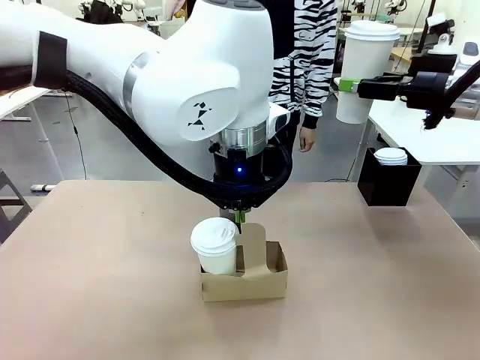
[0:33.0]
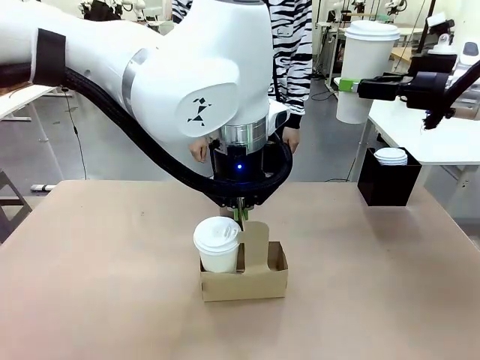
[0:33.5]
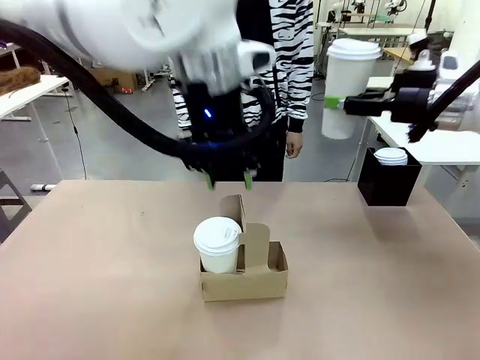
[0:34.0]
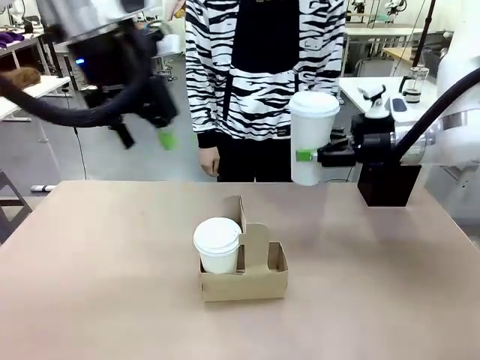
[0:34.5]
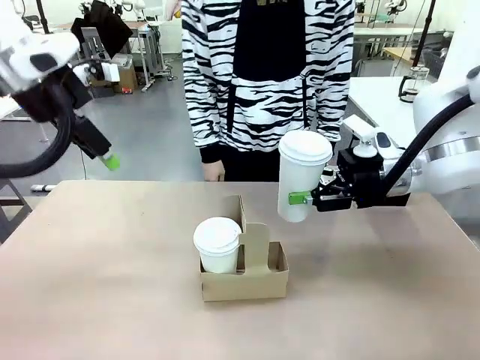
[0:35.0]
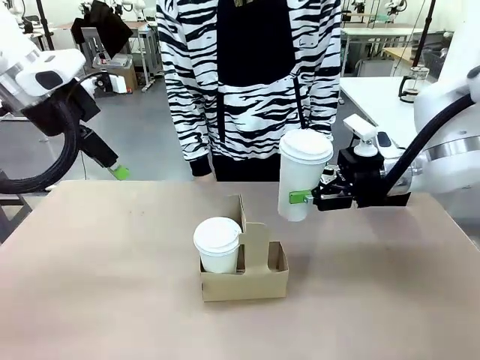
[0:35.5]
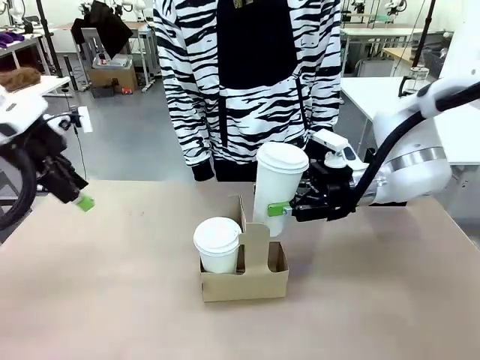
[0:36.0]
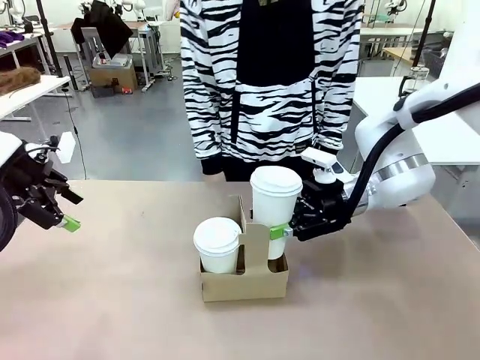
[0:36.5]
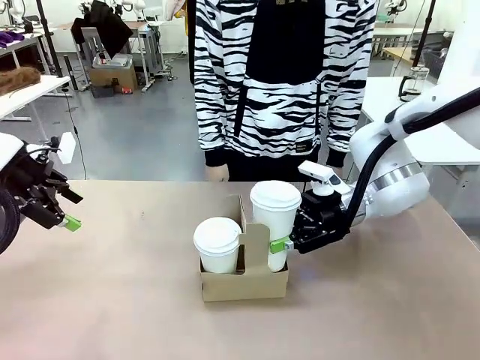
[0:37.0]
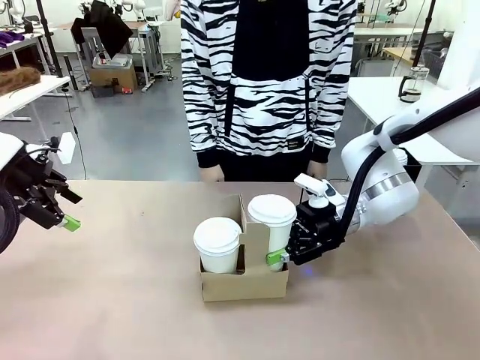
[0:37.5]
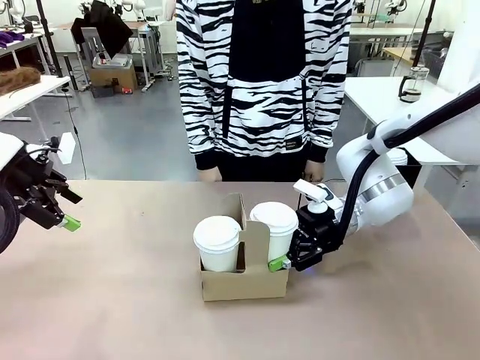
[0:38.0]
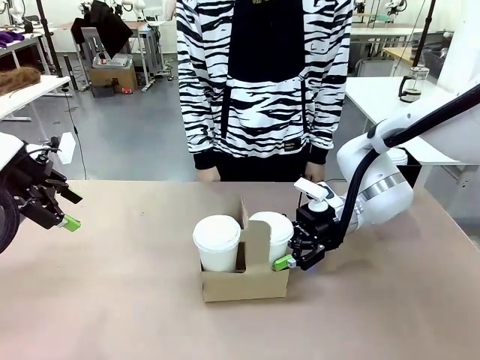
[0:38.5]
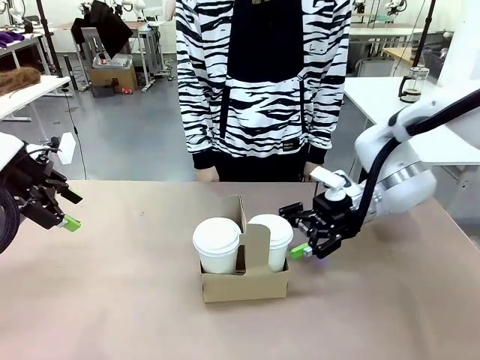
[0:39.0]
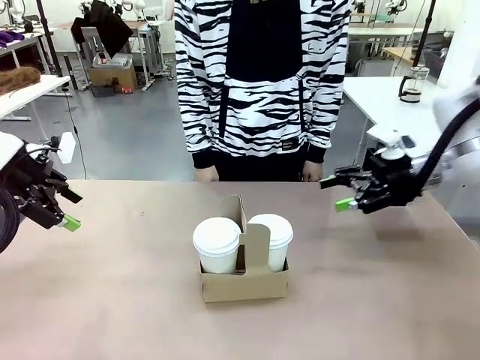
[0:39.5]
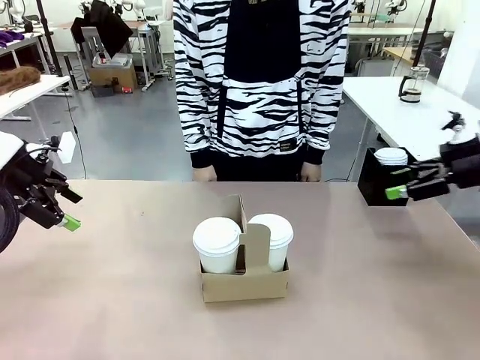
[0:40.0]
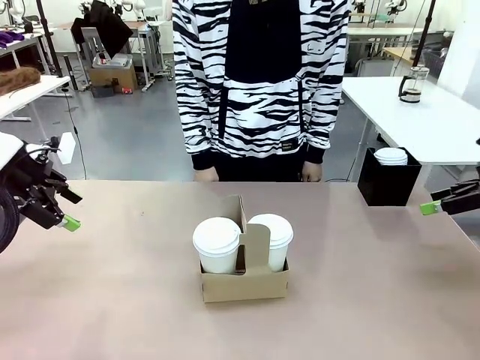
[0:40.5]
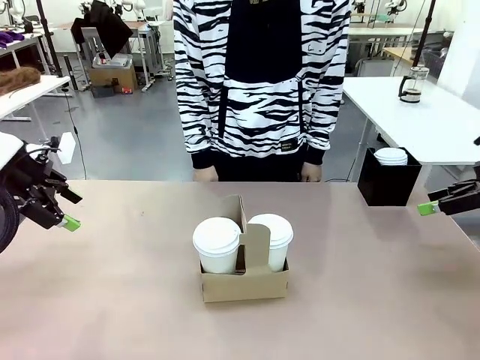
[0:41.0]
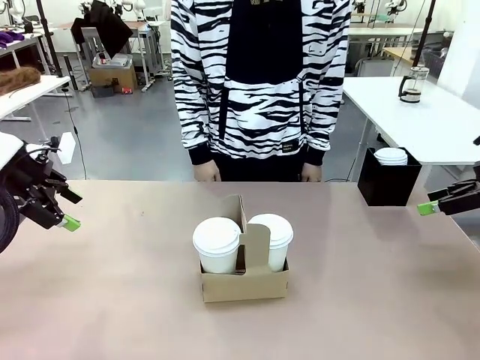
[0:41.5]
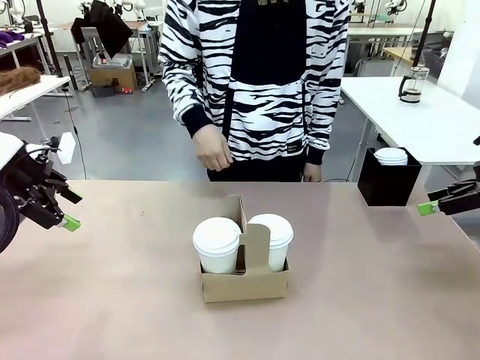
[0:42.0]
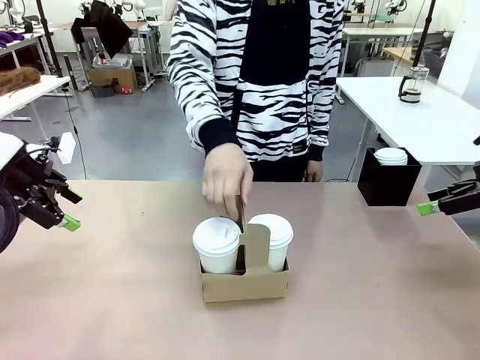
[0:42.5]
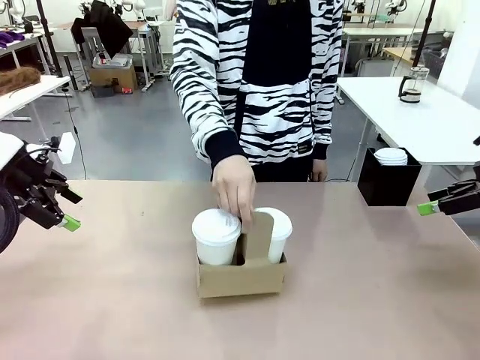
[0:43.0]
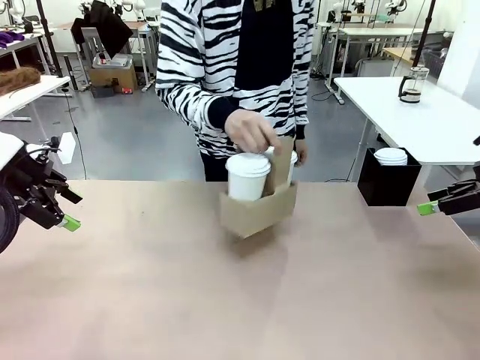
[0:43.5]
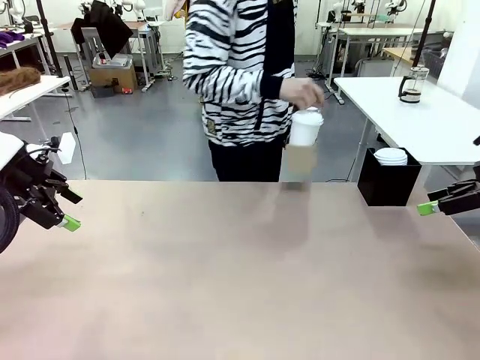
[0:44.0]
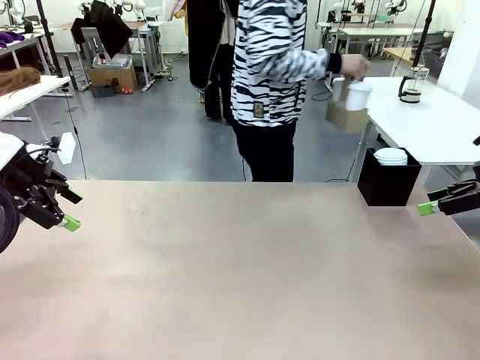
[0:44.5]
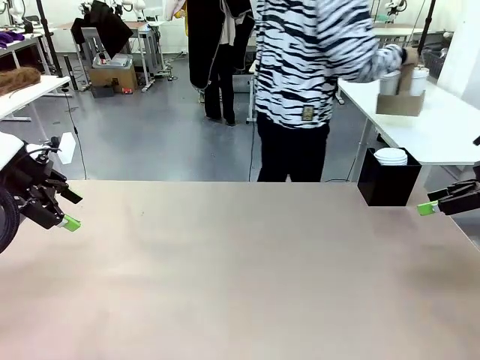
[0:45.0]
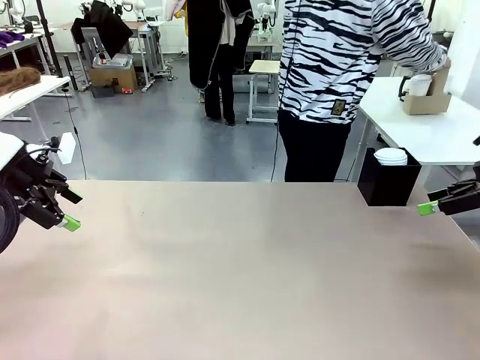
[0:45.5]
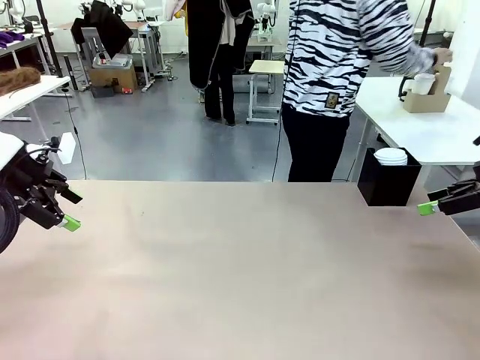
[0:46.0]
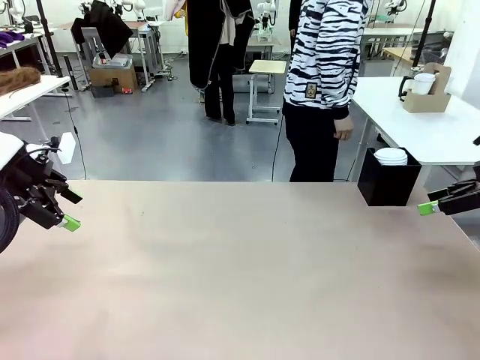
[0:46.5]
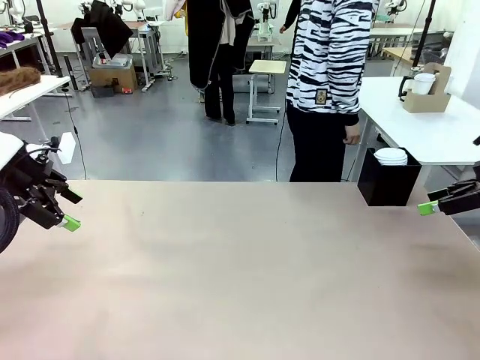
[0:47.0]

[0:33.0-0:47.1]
Task: Pour a drink into a cup and package it in a carrier.
Robot: Insert the held 600 ml Paper Cup into the Cup Carrier.
Person: Place the Cup Carrier to the middle of Human table.

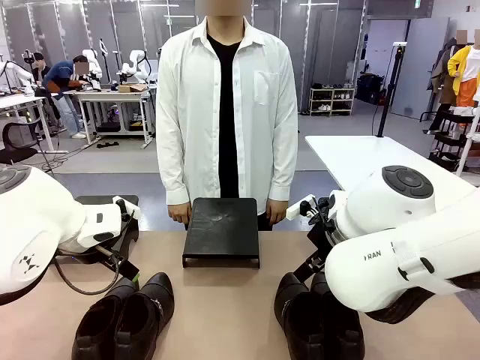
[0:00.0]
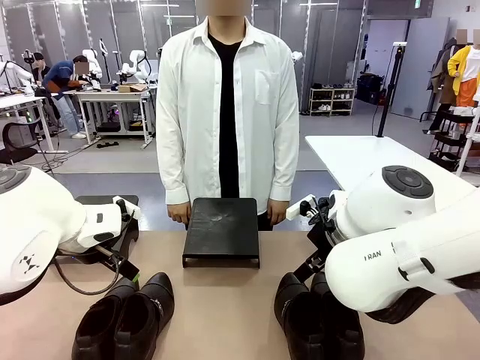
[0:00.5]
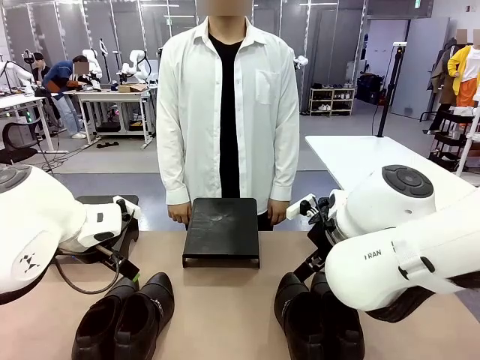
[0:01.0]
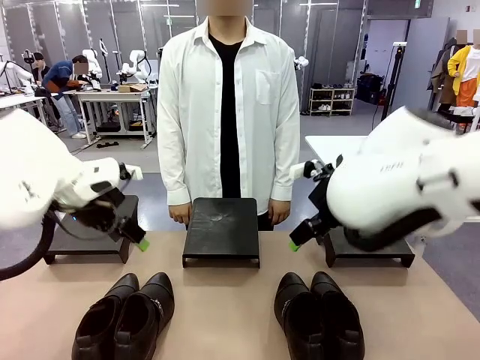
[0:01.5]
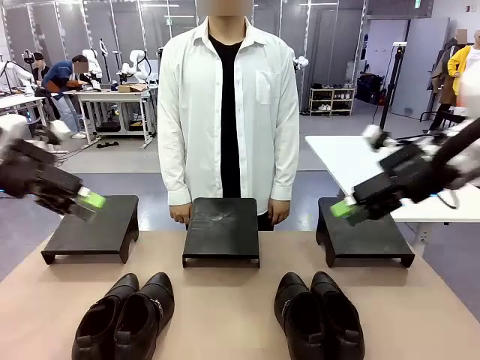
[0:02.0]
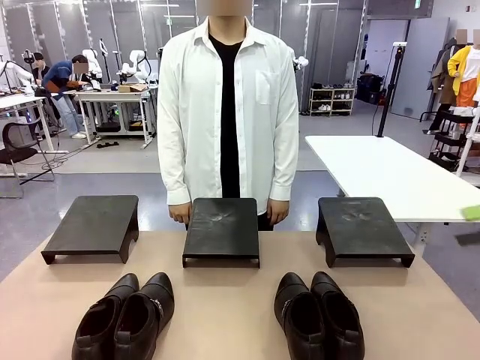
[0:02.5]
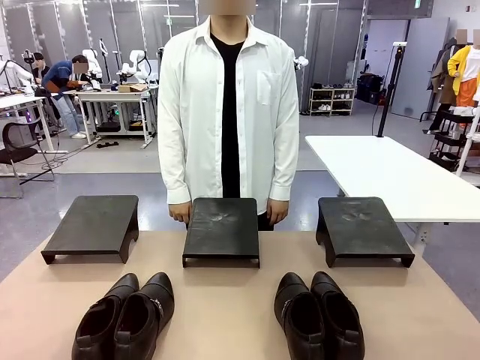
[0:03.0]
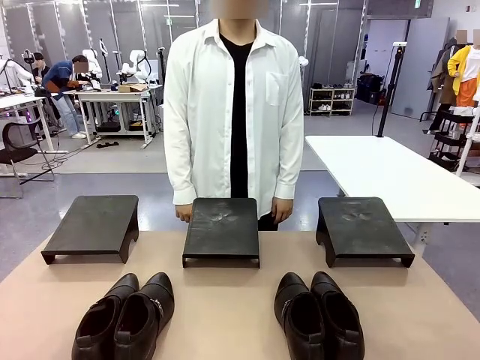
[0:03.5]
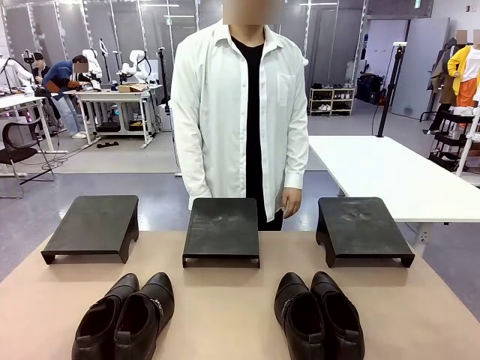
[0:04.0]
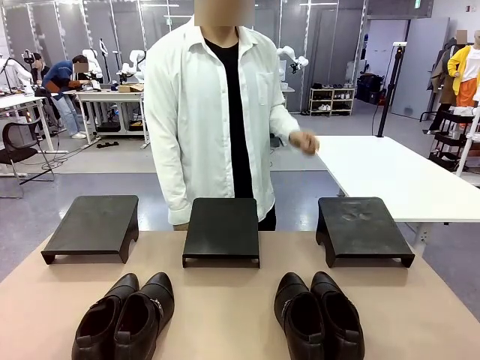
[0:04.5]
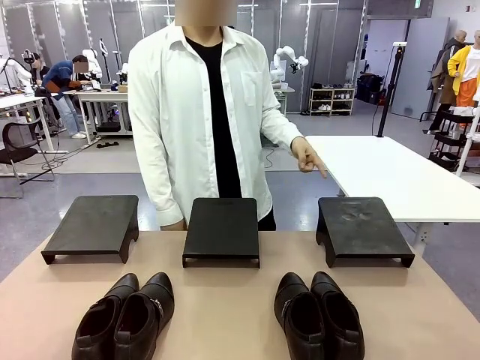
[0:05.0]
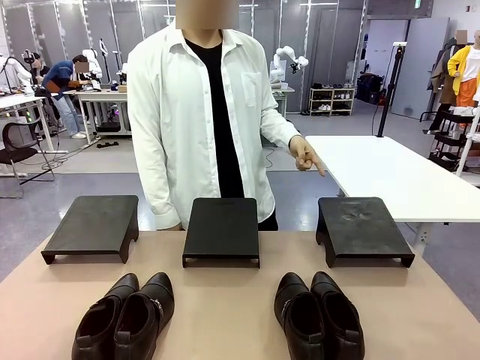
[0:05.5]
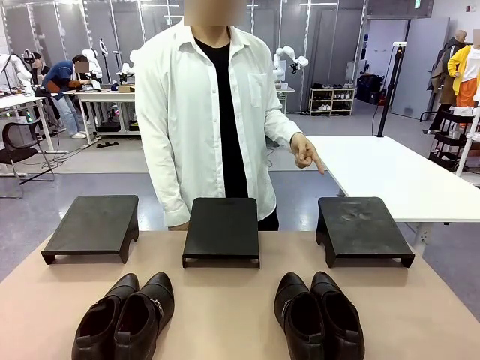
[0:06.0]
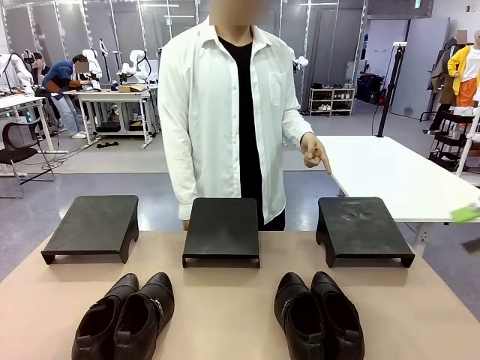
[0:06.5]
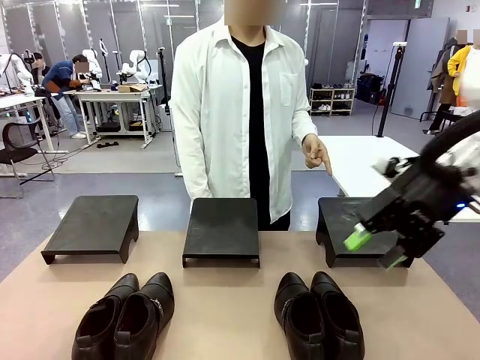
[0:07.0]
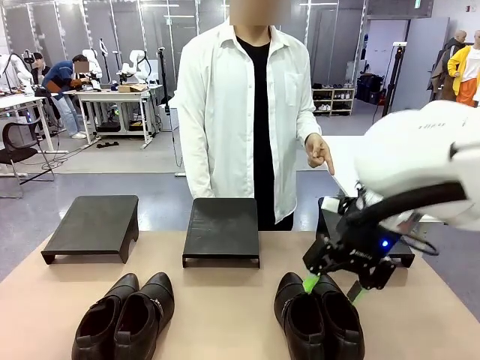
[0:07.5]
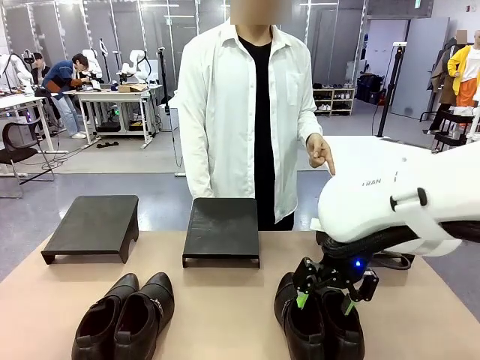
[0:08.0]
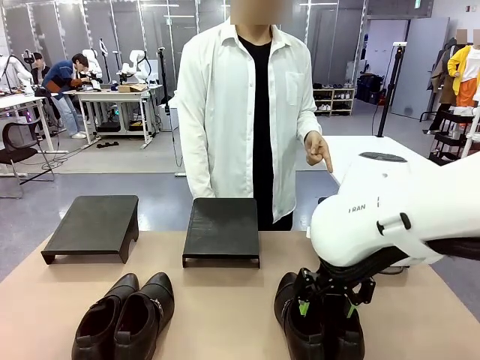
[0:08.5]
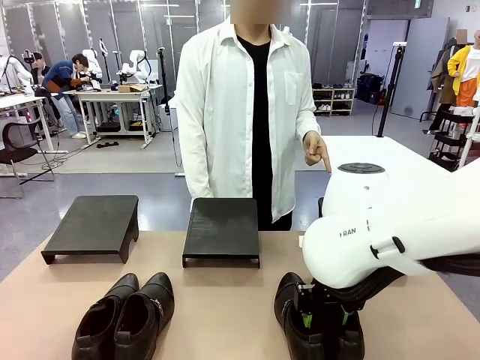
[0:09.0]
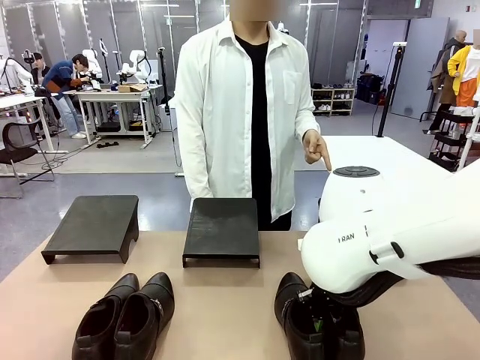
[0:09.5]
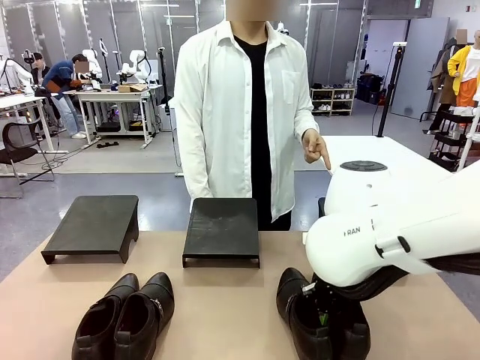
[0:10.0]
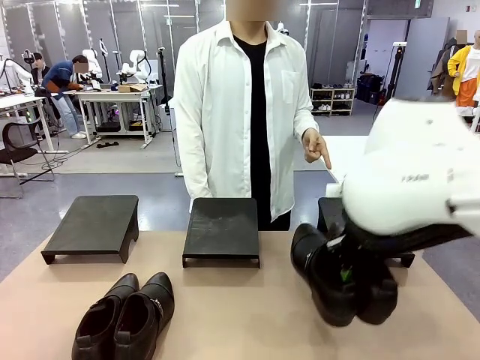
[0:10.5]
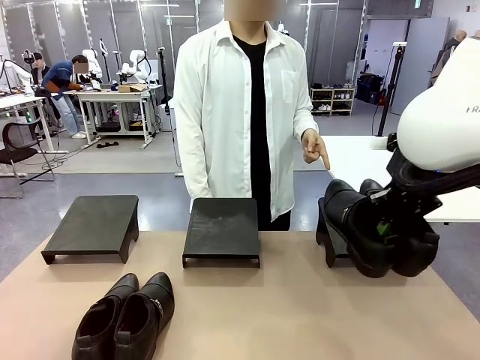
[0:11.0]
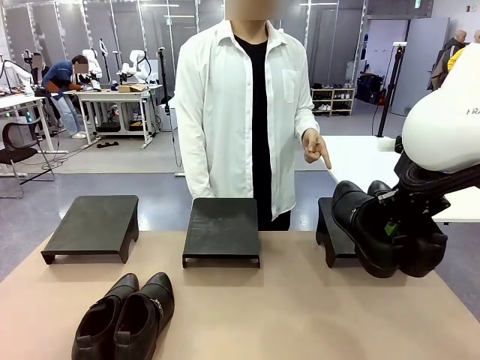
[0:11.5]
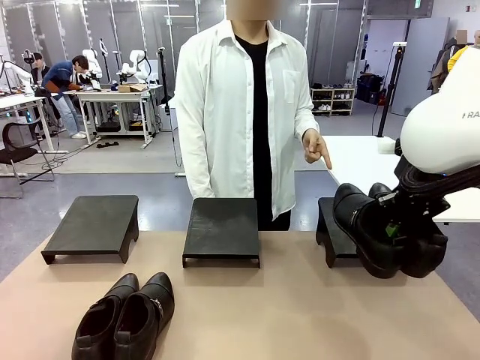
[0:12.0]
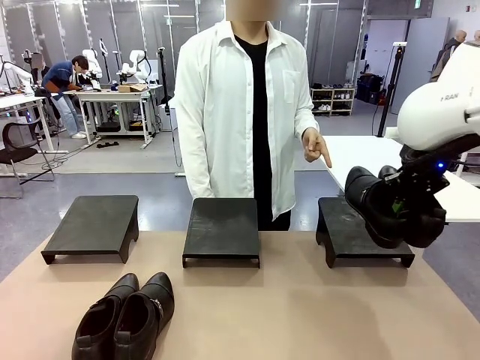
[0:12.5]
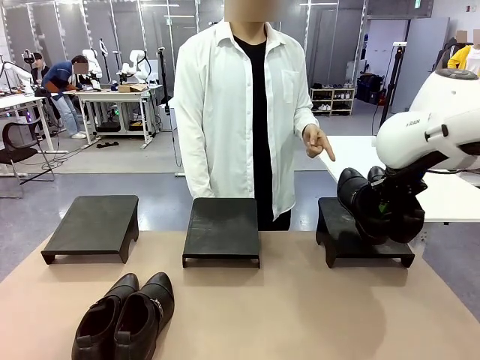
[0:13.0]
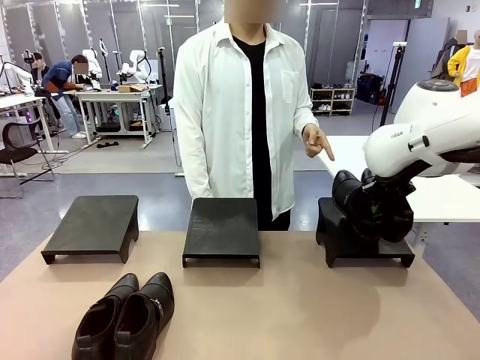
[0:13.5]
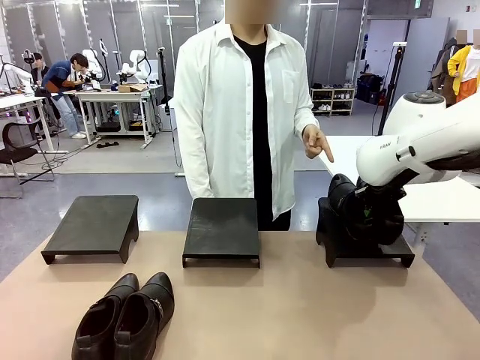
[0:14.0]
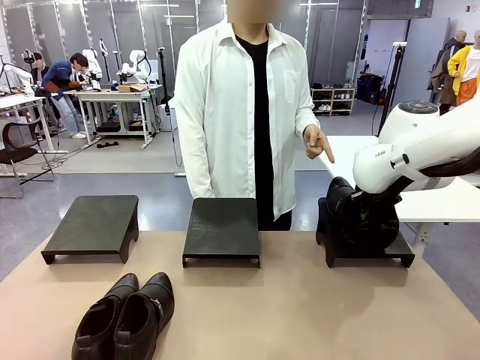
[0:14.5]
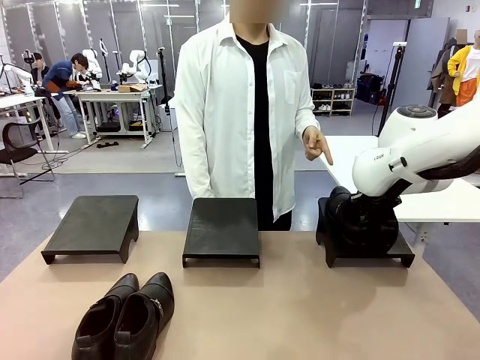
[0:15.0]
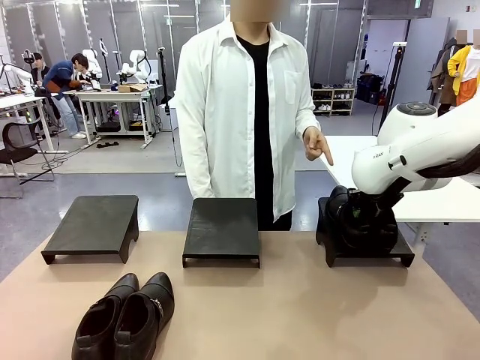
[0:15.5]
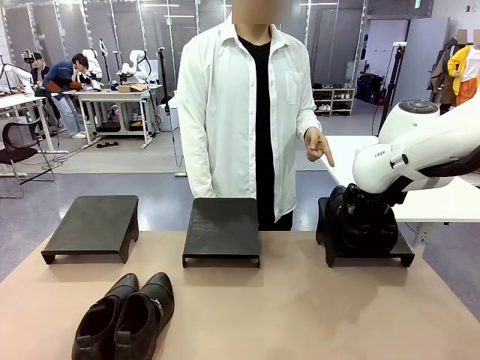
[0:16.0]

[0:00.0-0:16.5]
Task: Place the shoes on the stand as instructed by the person.
Robot: Pick up one pair of Shoes and place it on the Shoes Stand indicated by the person.
